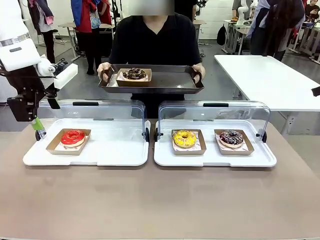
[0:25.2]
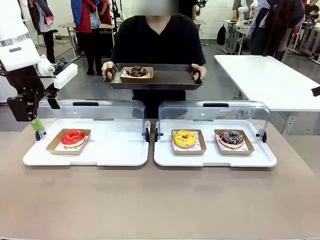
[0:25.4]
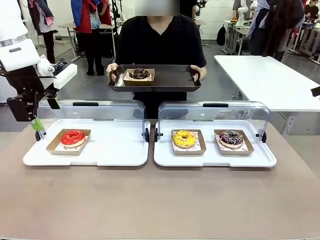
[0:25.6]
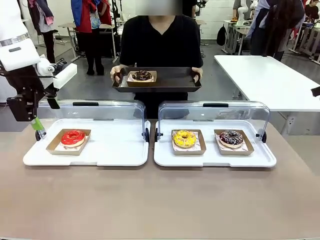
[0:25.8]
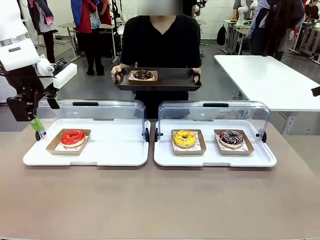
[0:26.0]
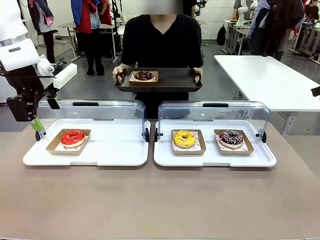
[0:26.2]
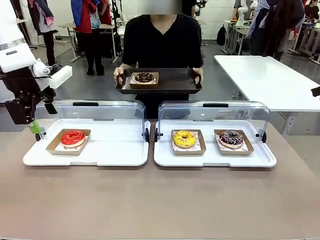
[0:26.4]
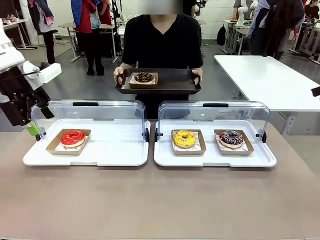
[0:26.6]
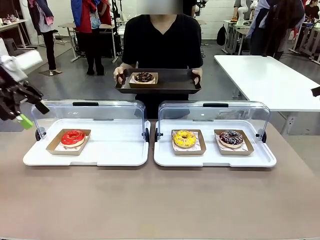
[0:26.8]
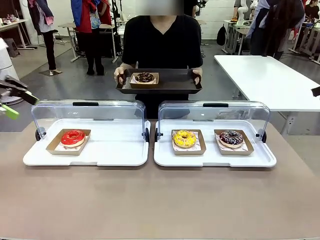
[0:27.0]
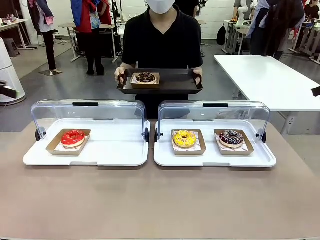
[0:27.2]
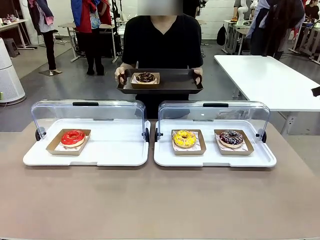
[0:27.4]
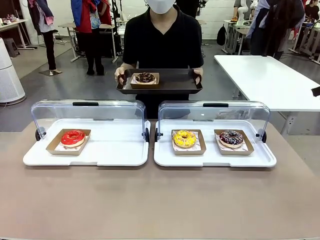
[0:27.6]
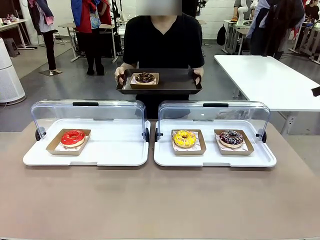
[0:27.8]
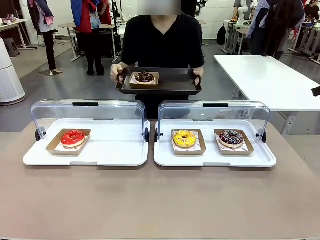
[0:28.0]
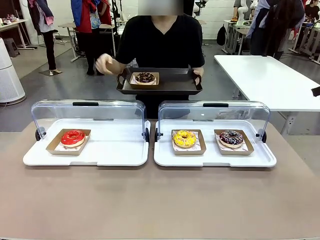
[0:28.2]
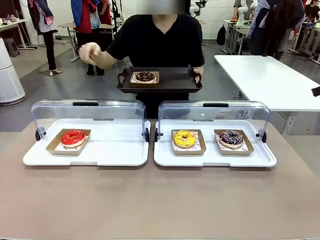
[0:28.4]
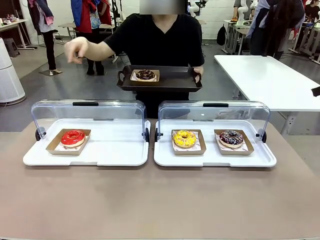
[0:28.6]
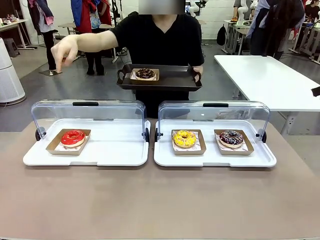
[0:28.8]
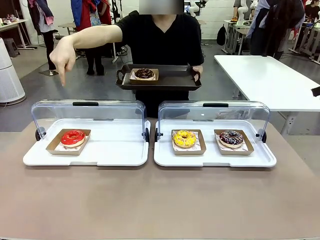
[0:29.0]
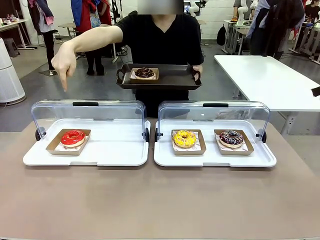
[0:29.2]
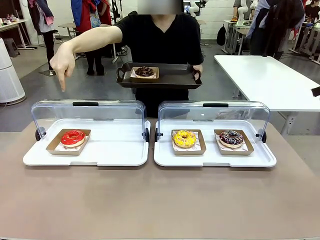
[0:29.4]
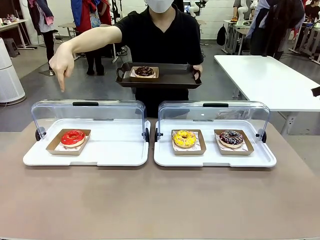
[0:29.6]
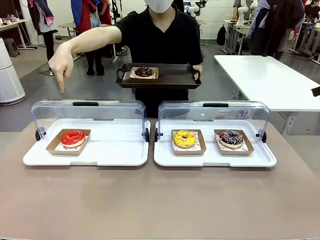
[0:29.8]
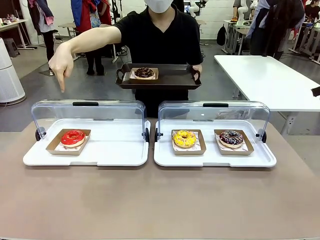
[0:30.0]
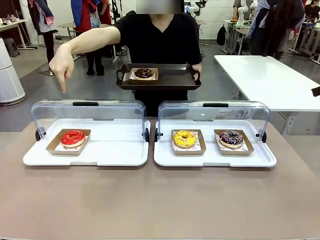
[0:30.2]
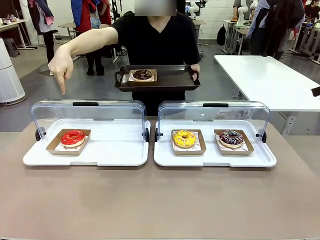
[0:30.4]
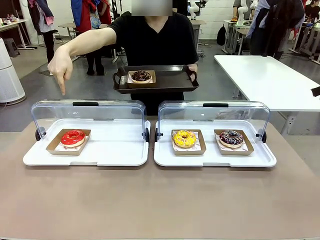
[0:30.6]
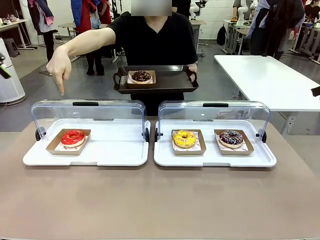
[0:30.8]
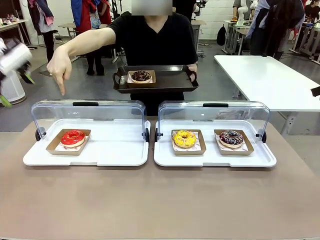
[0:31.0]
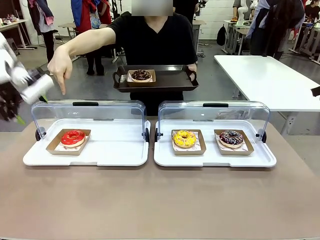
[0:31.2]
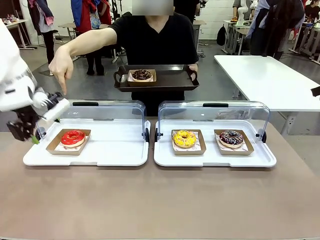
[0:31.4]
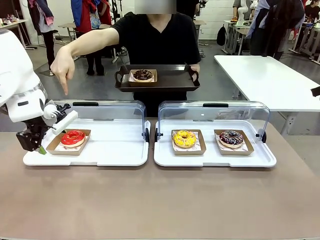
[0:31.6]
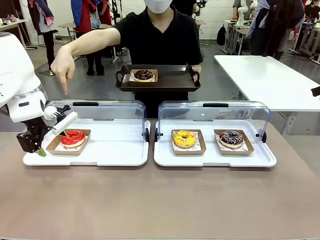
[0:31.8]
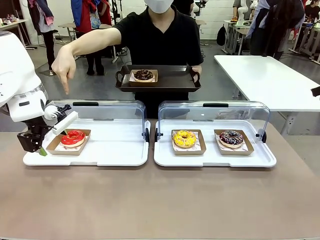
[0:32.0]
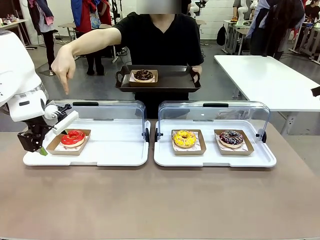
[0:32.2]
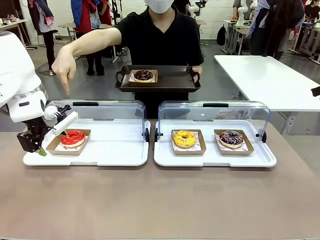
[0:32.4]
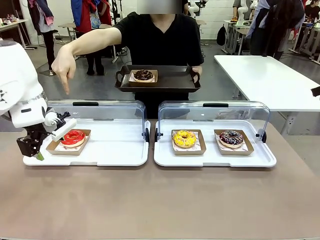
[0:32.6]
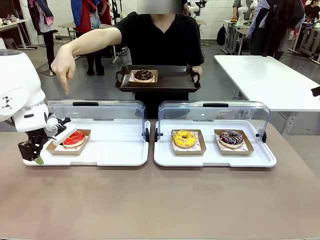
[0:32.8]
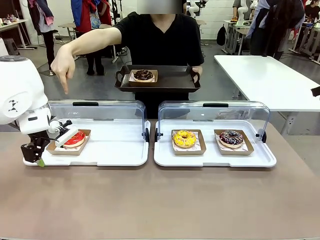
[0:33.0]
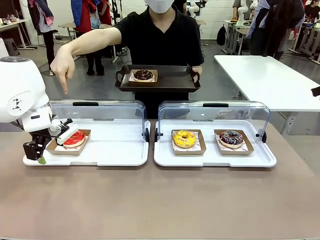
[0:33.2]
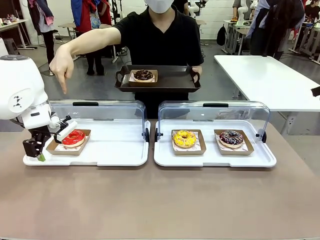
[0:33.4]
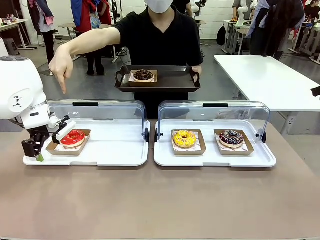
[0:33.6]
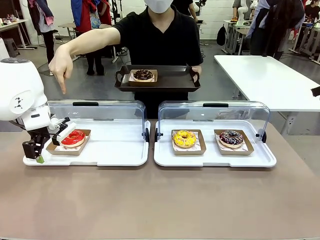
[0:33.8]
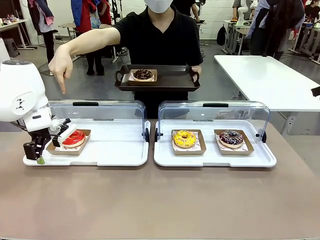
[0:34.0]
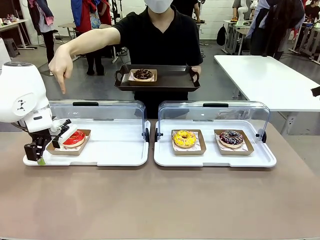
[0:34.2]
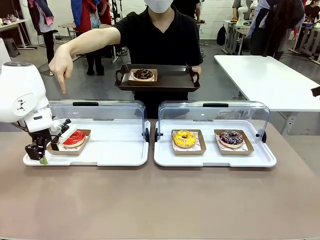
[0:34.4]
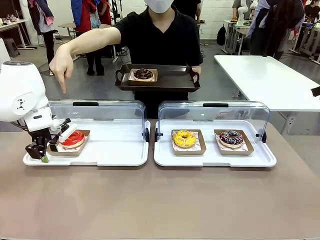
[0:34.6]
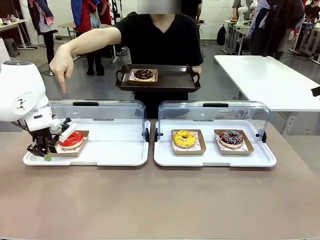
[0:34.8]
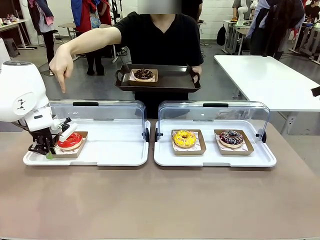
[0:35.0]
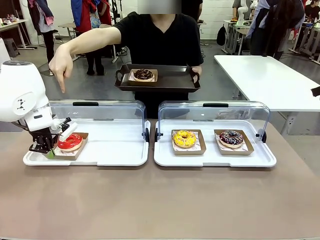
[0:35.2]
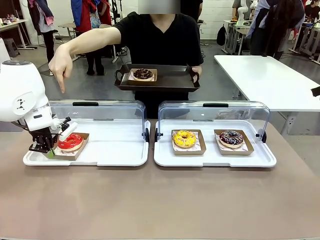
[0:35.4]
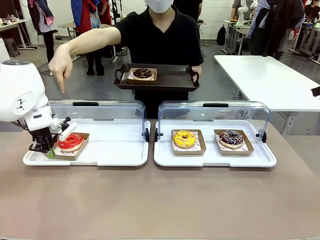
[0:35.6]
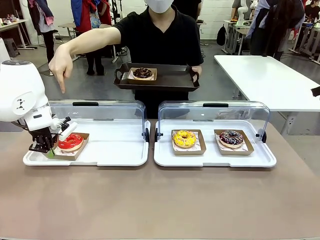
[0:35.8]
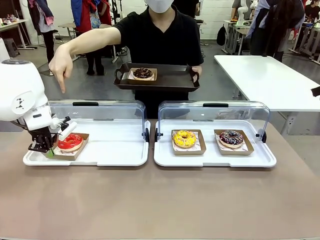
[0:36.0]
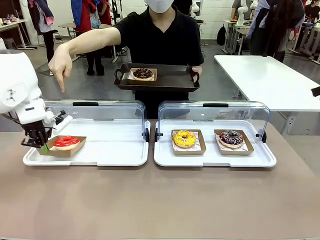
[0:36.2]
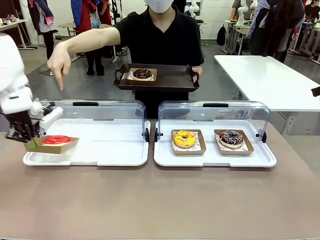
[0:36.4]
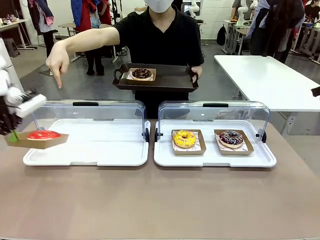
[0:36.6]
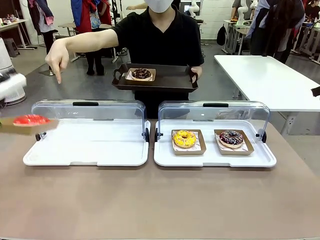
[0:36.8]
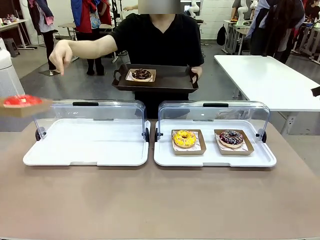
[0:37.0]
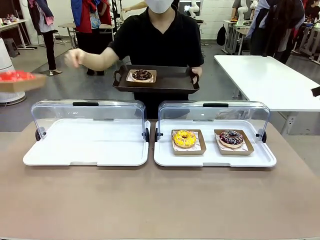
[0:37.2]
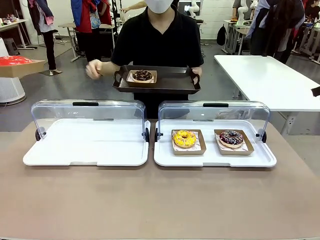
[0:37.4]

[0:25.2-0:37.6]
Task: Provide the desired donut to the person.
Robot: Pick up and lift the Paper togo box containing the Donut pointed at by the person.
Person: Point to one donut.
